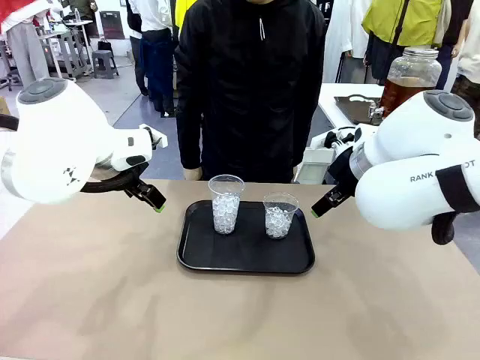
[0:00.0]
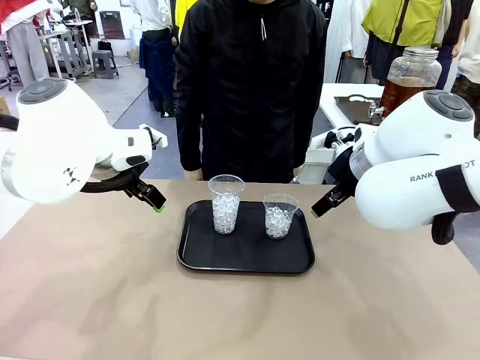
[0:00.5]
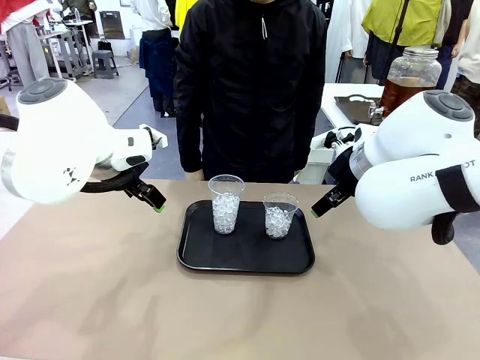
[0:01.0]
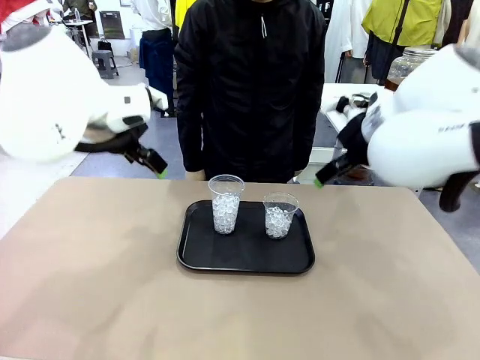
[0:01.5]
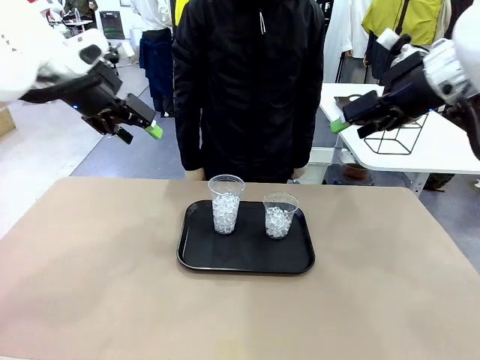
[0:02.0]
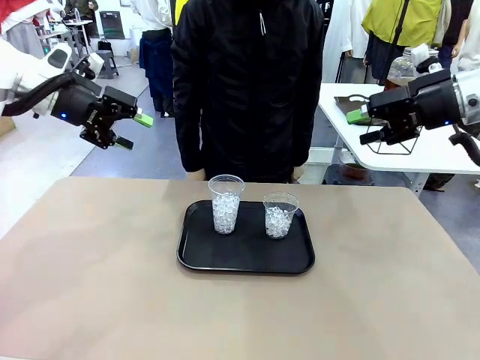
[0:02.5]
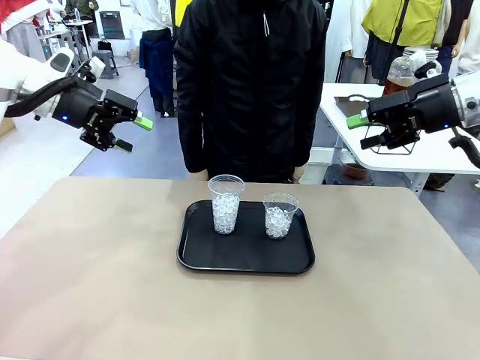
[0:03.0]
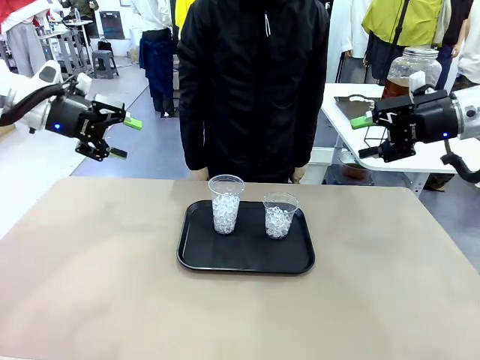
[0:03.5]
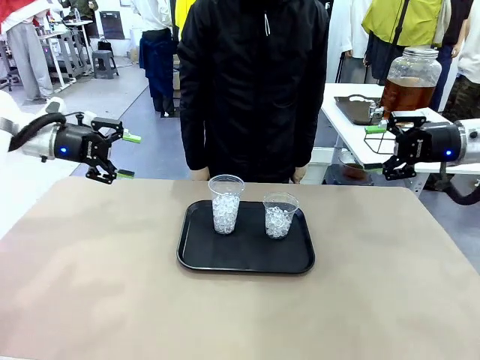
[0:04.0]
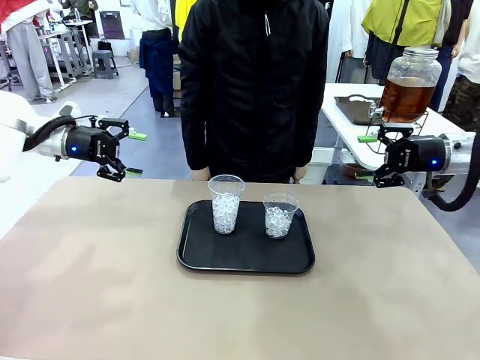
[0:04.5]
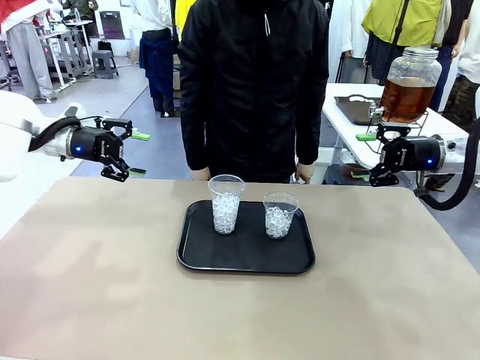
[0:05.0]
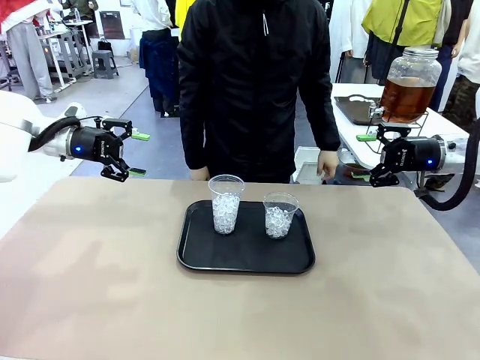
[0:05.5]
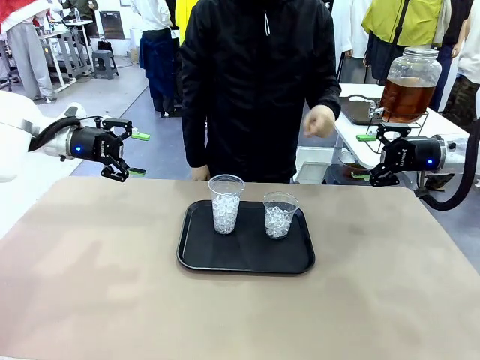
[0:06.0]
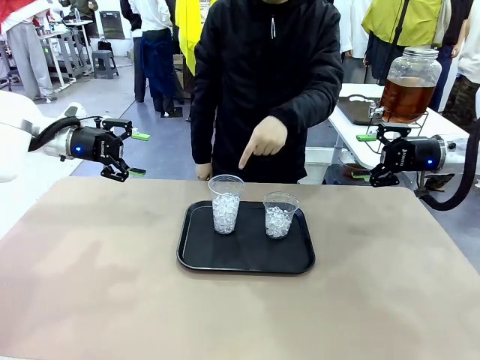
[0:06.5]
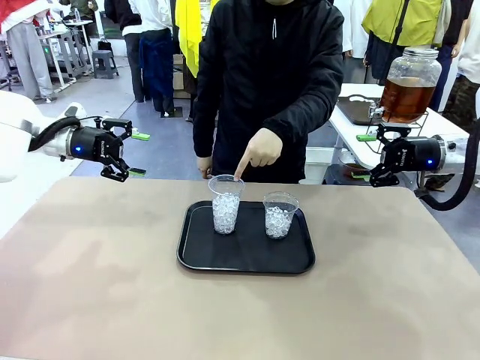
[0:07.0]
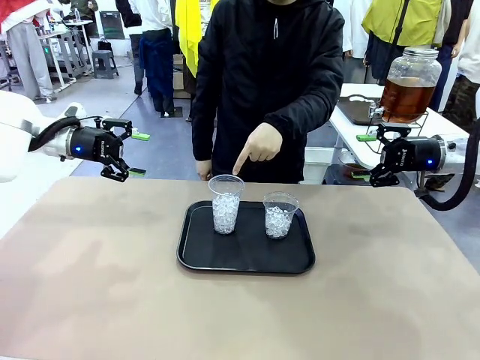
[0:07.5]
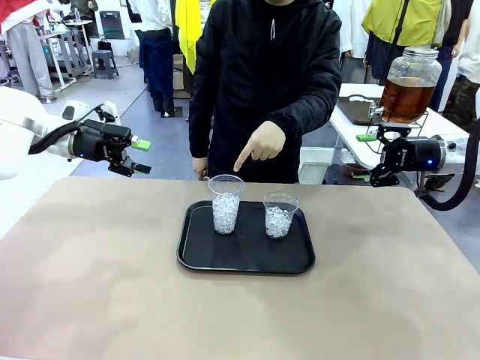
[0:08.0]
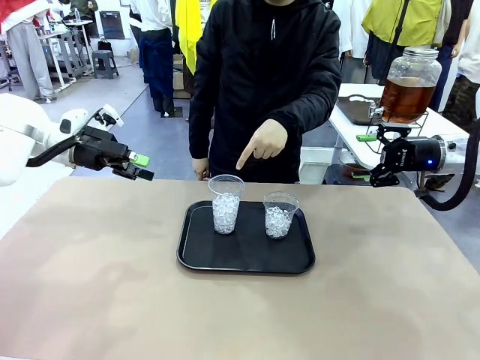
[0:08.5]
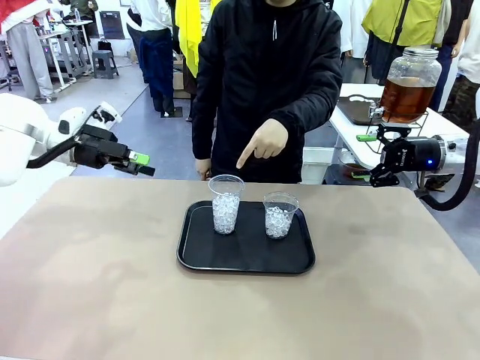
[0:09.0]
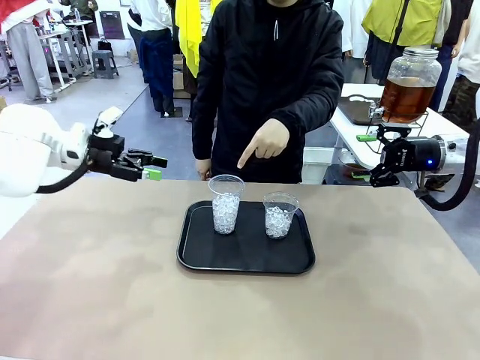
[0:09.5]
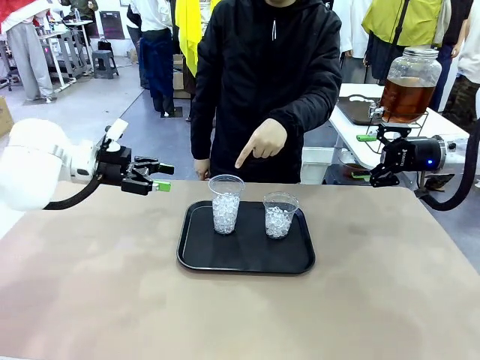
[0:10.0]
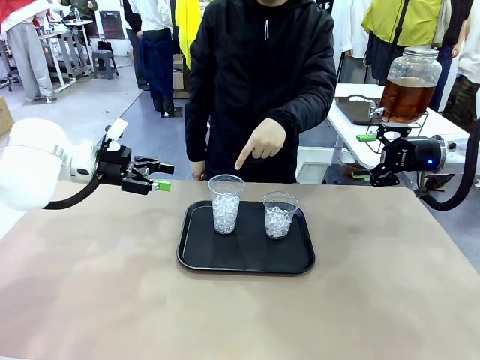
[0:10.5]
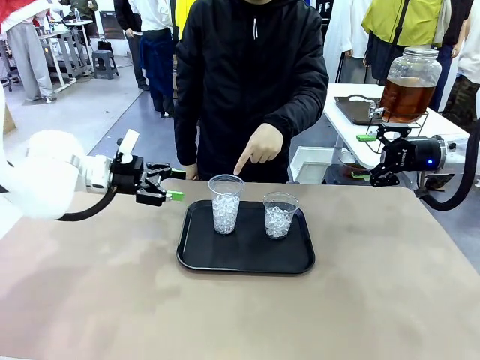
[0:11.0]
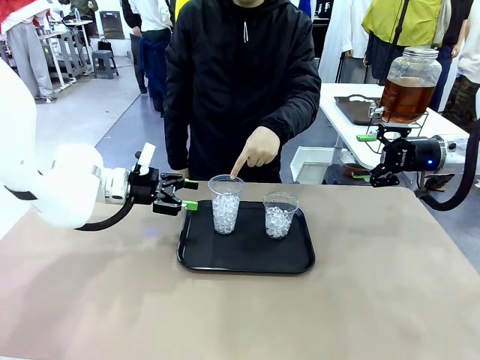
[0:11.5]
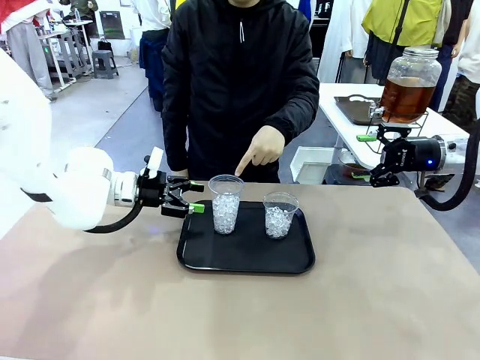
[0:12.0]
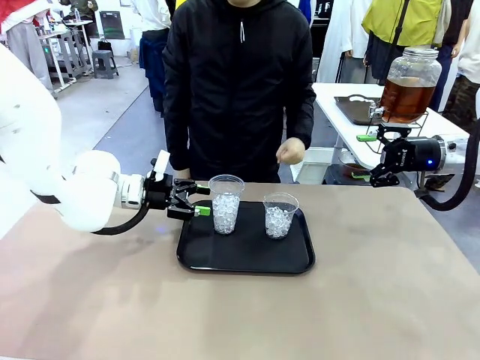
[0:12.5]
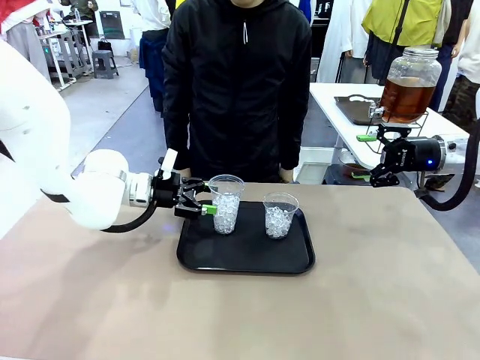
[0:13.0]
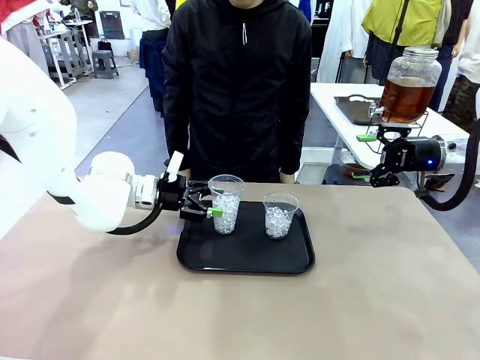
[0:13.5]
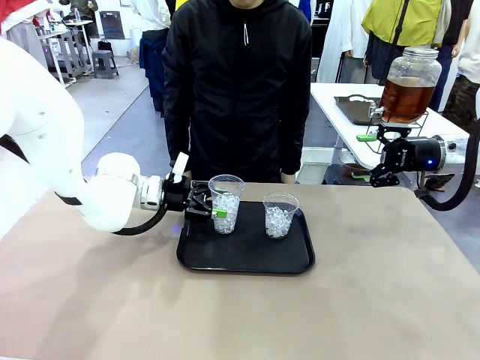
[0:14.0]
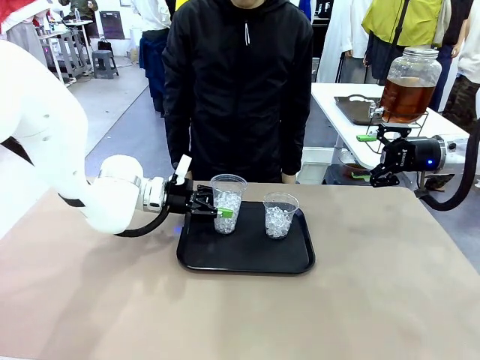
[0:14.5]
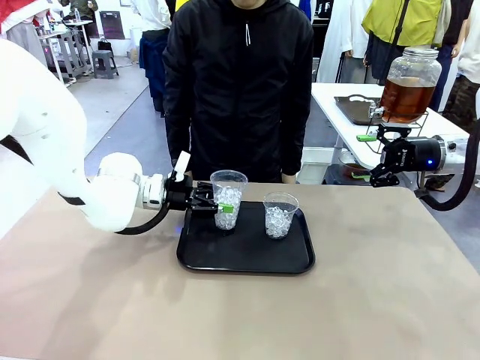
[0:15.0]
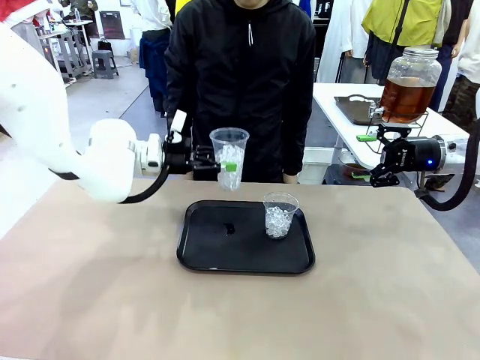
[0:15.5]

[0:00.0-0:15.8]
Task: Pour the drink into the iced cup.
Robot: Pick up the iced cup indicated by the human and present it to them.
Person: Point to one of the two ice cups. Pick up the cup offered by the robot.

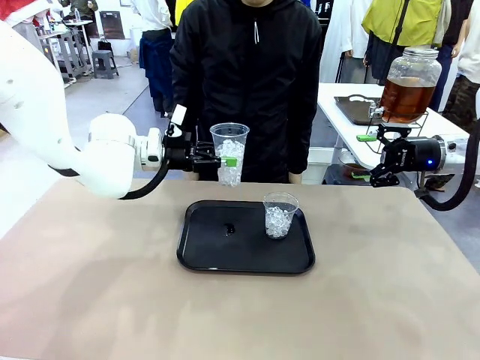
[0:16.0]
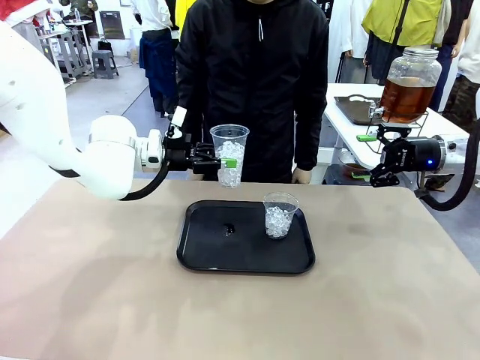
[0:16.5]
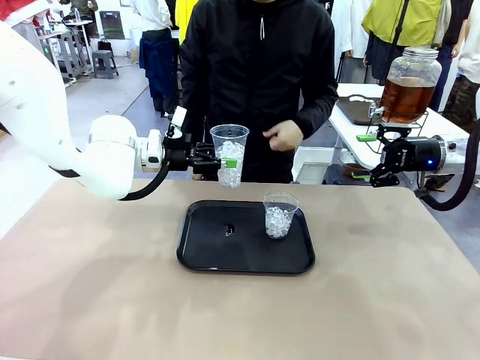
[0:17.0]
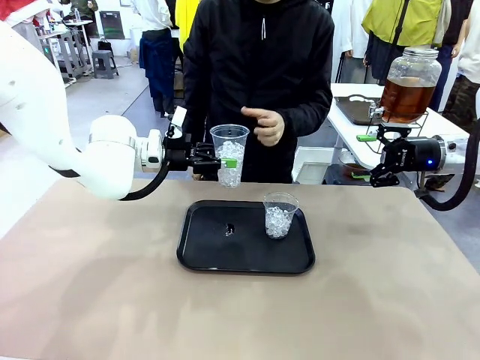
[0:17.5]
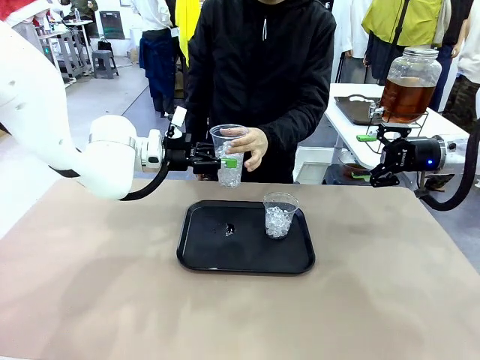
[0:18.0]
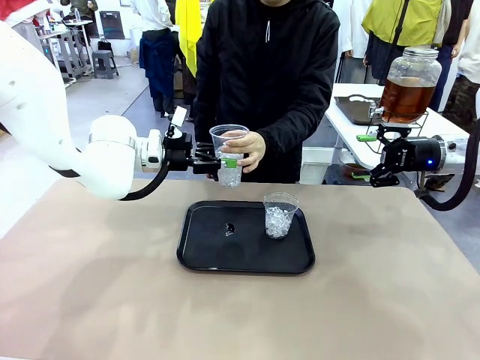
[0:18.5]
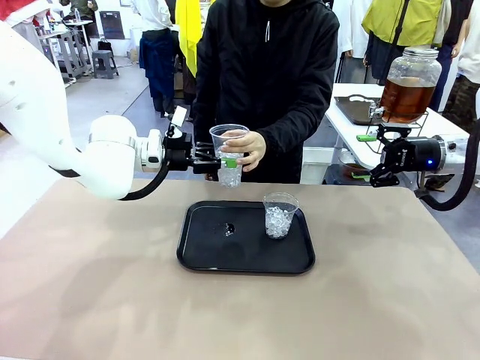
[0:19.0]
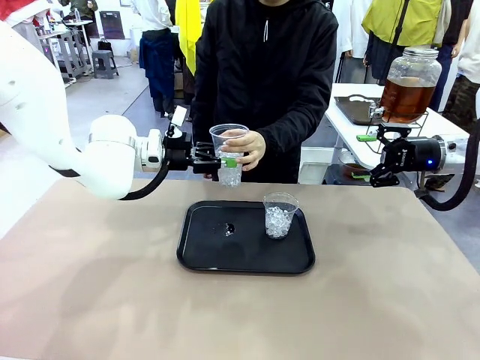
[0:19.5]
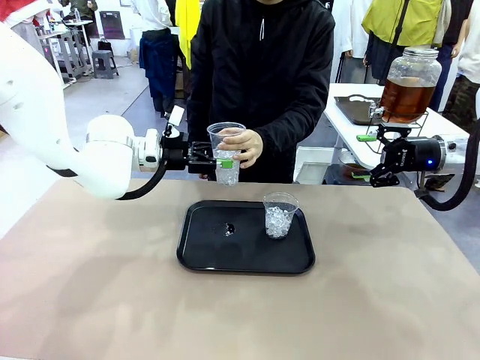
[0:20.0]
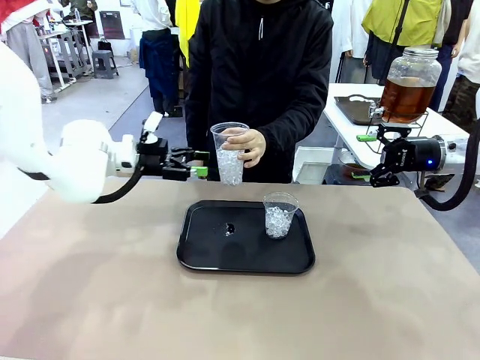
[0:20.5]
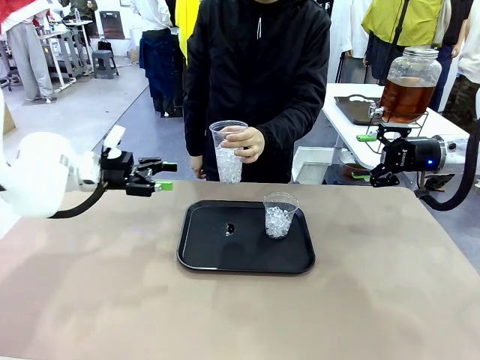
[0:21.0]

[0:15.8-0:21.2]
Robot: Open the gripper to release the iced cup you were holding.
